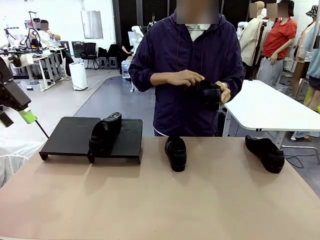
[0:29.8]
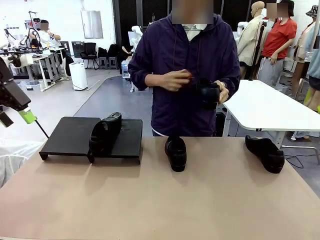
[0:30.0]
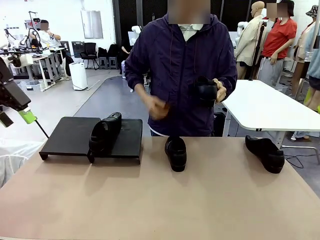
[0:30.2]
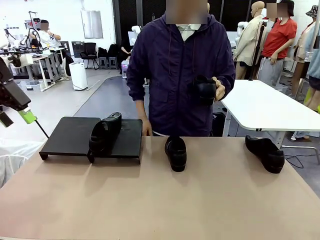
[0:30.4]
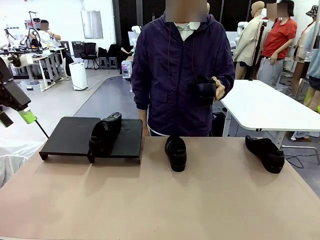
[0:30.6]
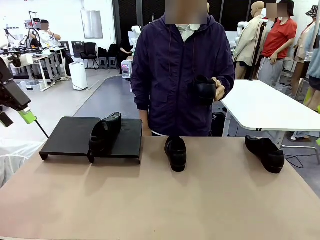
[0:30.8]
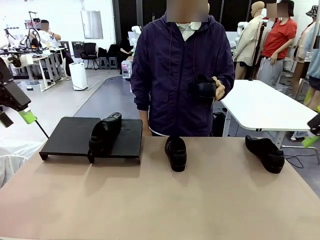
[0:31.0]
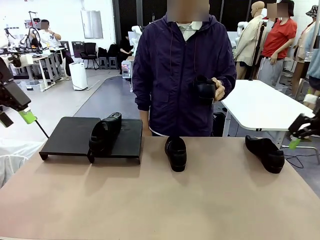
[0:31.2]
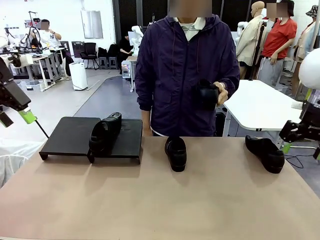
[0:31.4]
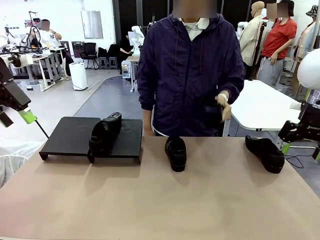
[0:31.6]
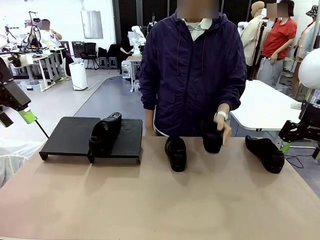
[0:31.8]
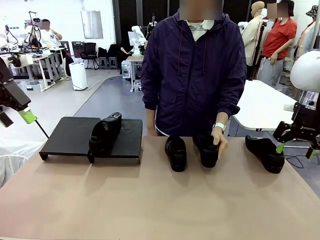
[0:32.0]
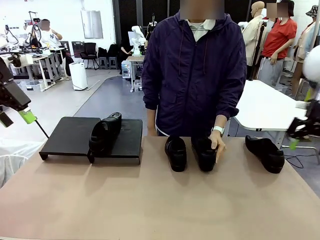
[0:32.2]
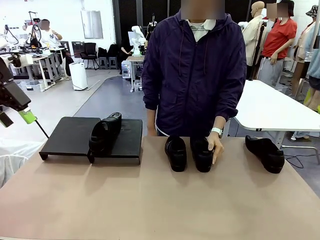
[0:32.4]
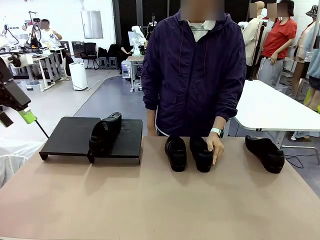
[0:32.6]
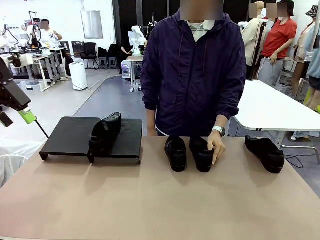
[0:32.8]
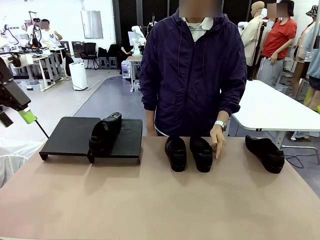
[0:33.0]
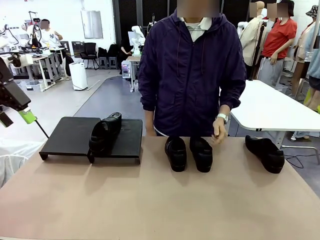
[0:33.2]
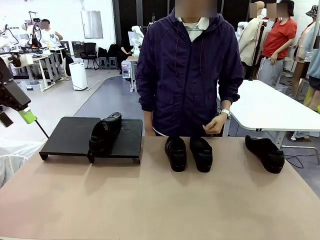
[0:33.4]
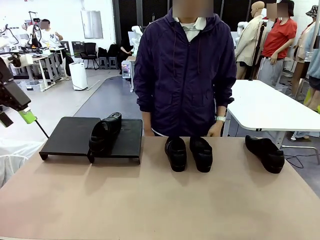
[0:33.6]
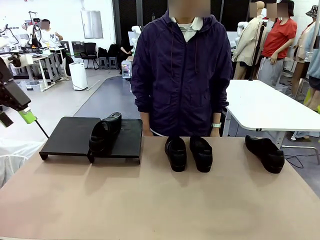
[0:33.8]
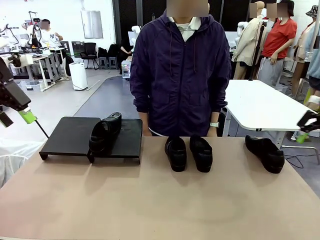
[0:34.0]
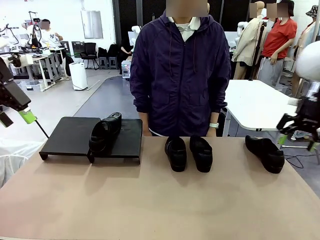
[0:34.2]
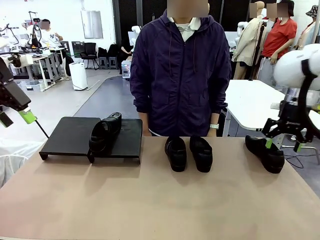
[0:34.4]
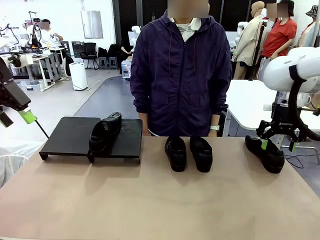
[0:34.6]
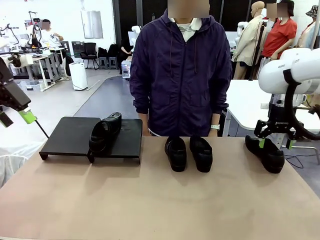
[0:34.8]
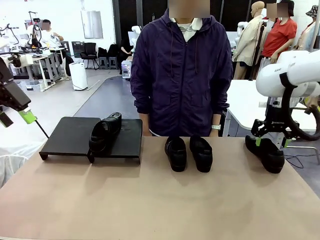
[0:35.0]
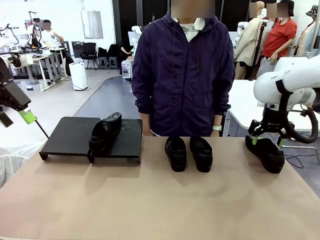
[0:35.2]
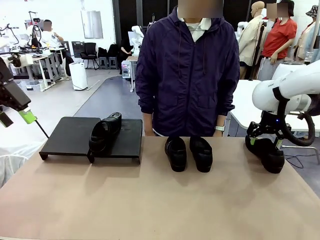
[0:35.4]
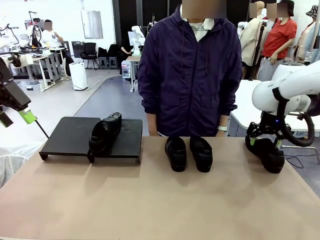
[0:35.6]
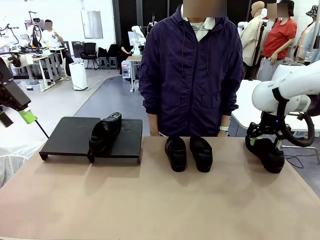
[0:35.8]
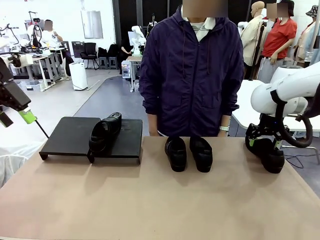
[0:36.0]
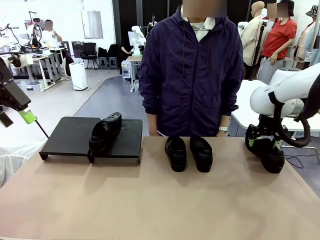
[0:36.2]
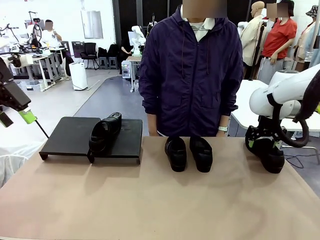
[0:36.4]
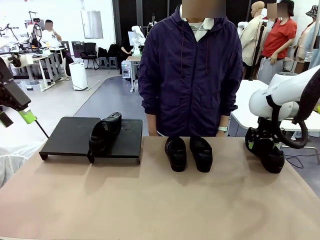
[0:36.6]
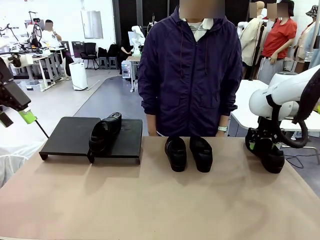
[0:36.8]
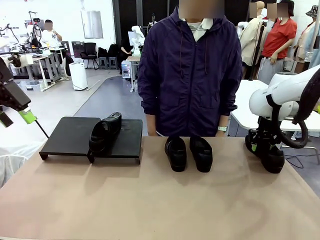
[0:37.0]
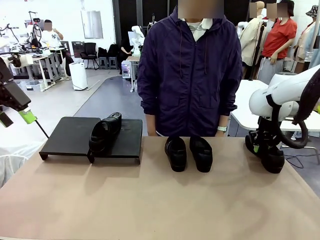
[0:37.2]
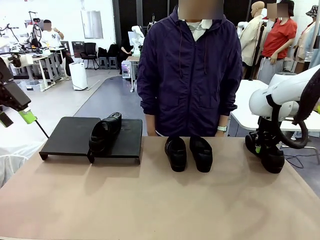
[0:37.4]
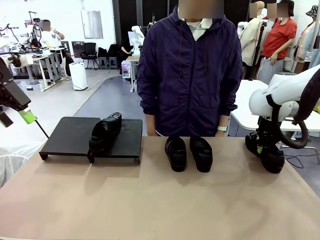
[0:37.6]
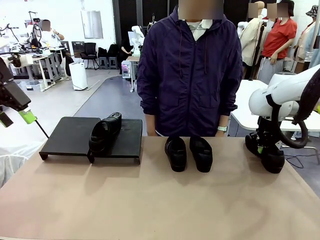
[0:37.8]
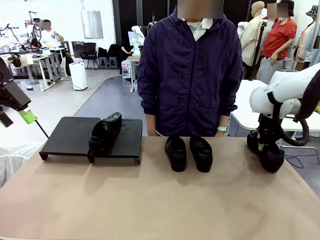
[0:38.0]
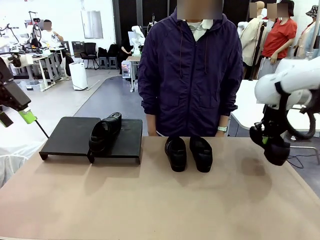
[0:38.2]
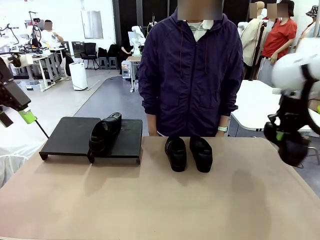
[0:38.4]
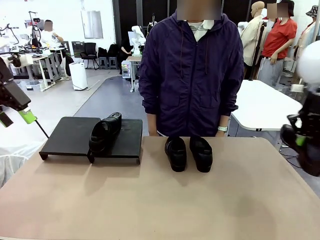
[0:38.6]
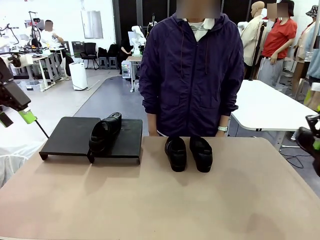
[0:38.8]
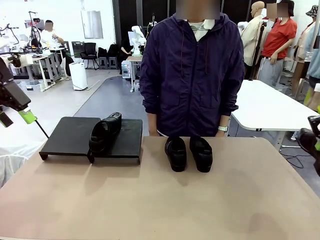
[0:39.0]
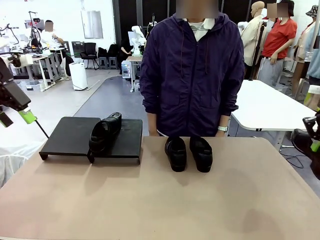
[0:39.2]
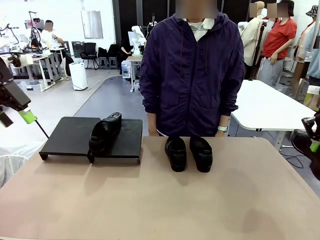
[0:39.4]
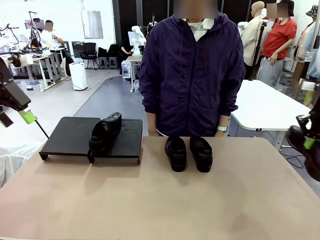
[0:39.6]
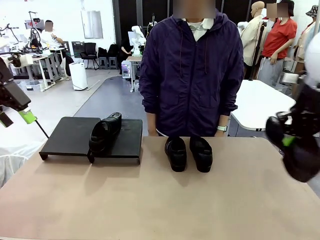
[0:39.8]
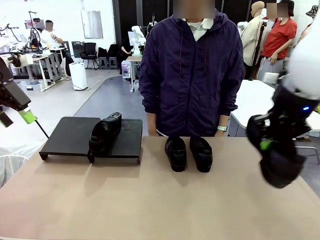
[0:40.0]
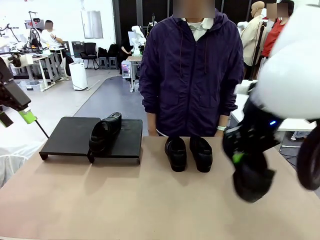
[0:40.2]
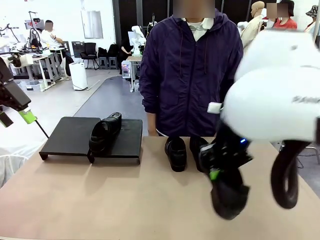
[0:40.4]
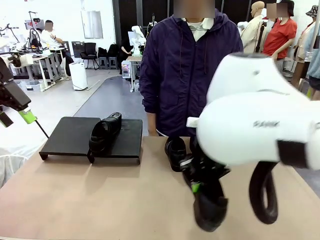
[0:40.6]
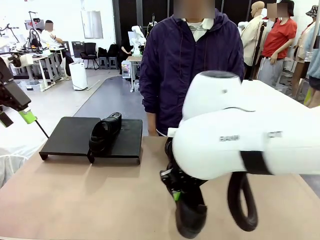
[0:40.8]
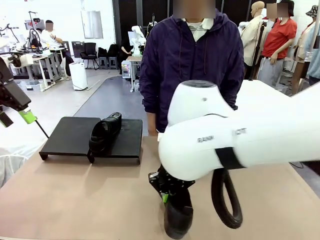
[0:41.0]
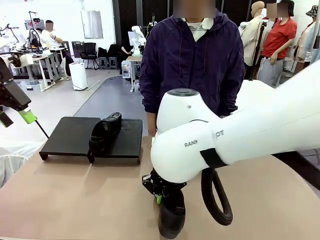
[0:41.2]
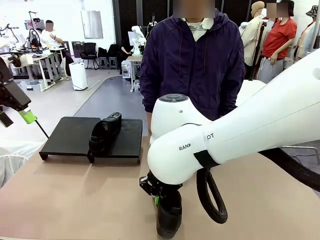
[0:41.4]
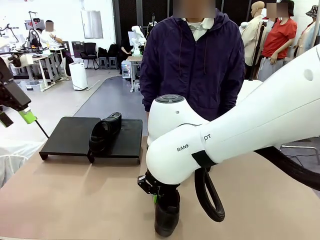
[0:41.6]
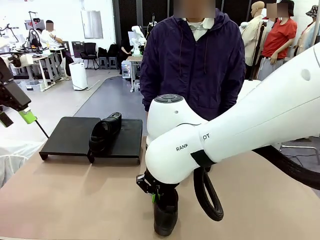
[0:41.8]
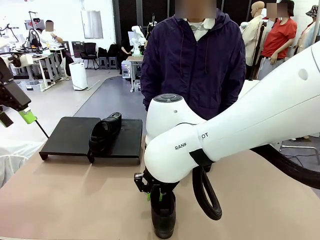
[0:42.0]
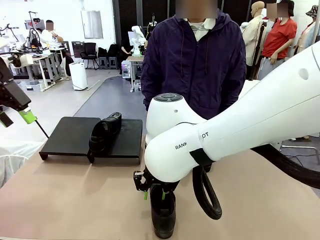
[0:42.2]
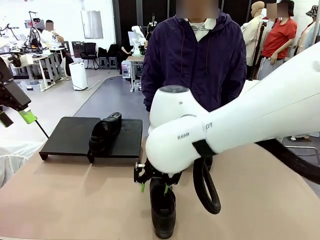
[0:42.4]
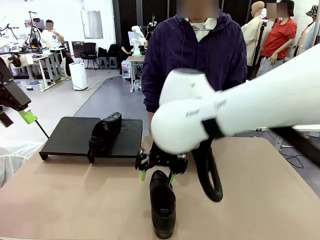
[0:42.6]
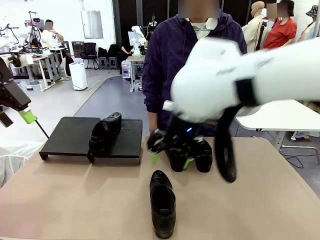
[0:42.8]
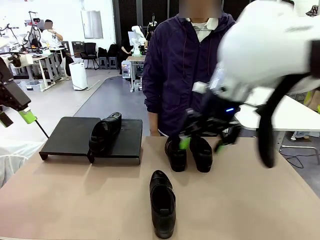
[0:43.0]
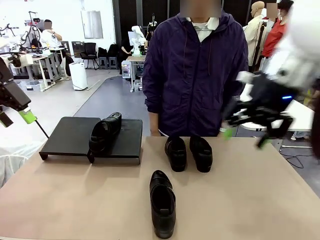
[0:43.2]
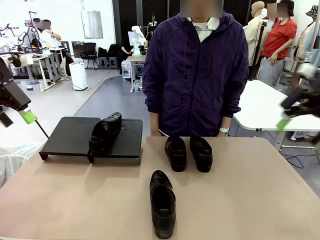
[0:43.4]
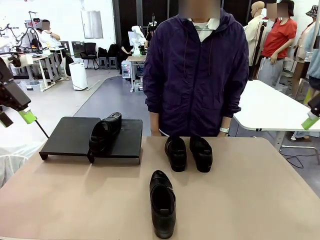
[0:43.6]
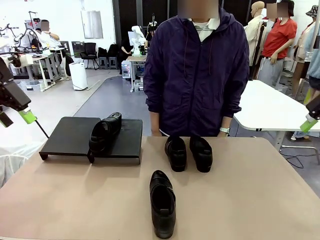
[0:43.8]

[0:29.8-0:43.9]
Task: Organize the shoes by placing them on the stand.
Robot: Pick up one Shoe and place it in the middle of the table.
